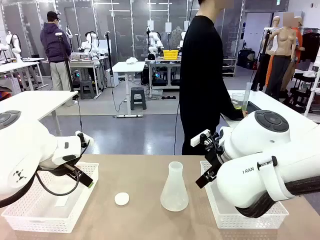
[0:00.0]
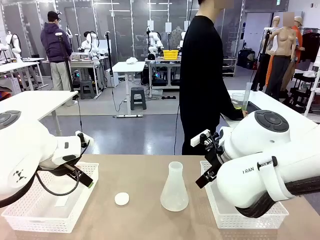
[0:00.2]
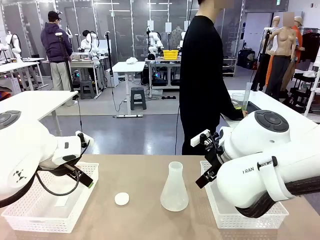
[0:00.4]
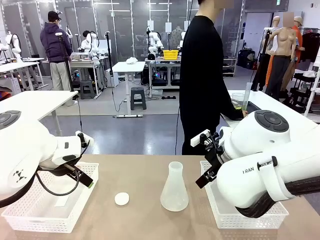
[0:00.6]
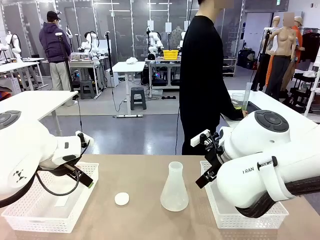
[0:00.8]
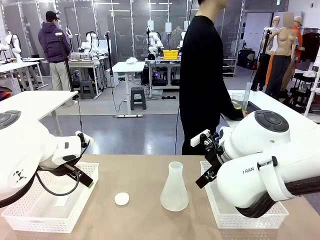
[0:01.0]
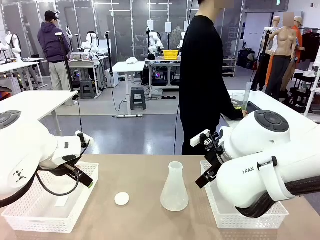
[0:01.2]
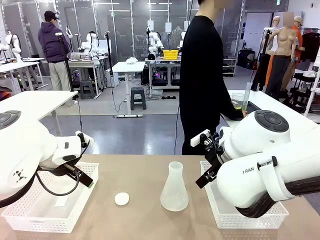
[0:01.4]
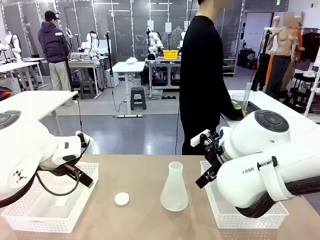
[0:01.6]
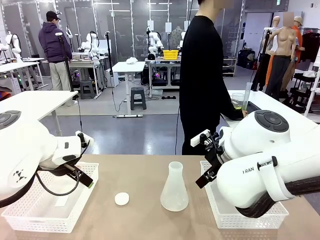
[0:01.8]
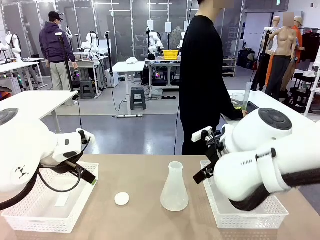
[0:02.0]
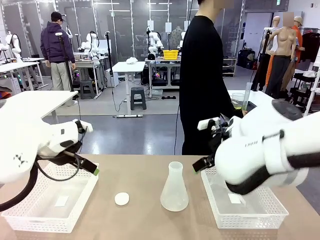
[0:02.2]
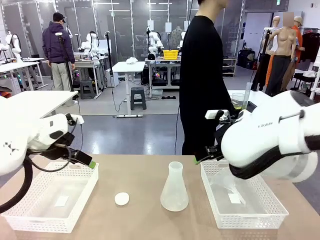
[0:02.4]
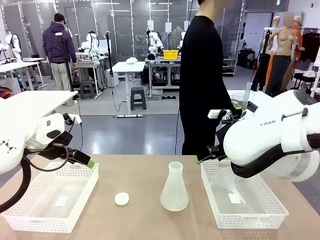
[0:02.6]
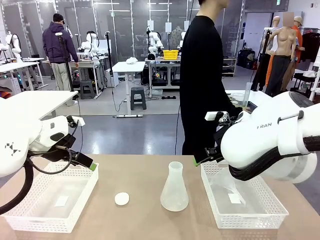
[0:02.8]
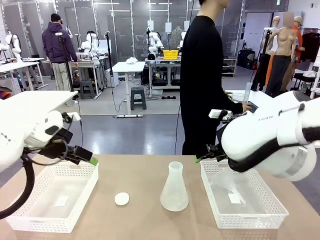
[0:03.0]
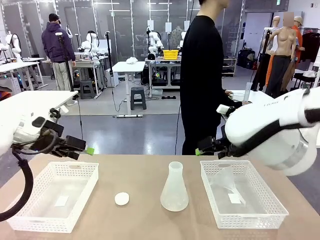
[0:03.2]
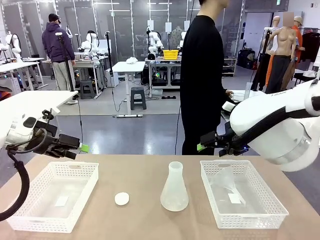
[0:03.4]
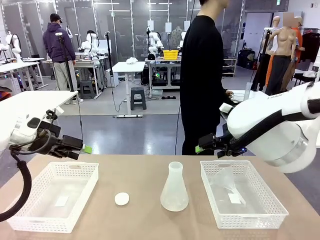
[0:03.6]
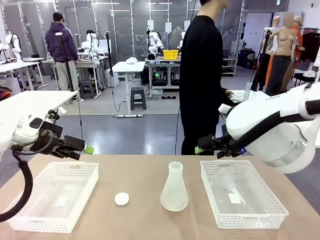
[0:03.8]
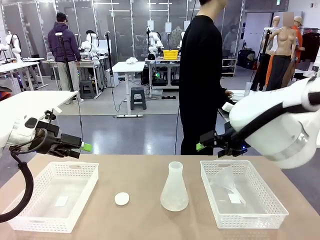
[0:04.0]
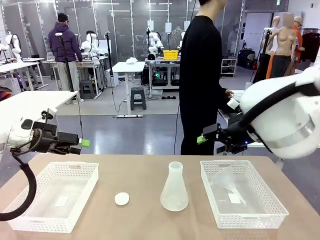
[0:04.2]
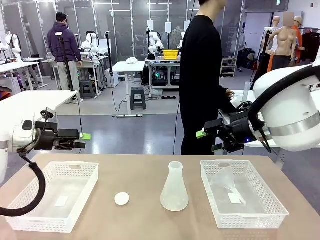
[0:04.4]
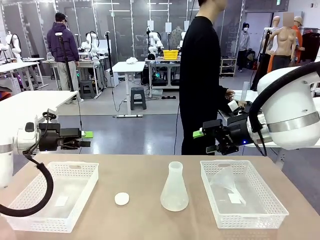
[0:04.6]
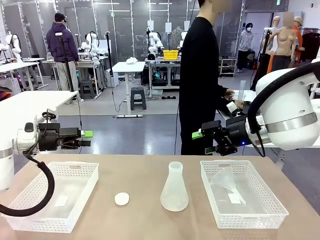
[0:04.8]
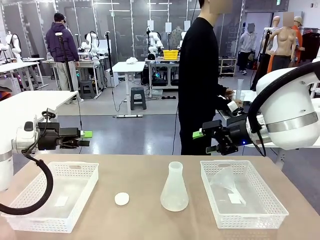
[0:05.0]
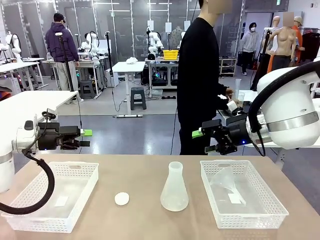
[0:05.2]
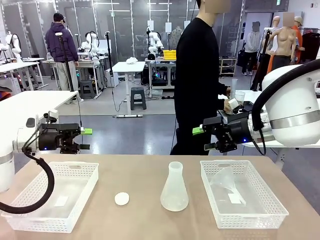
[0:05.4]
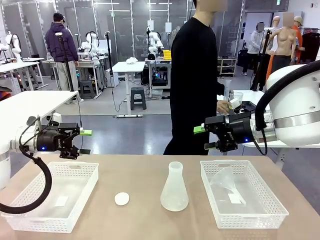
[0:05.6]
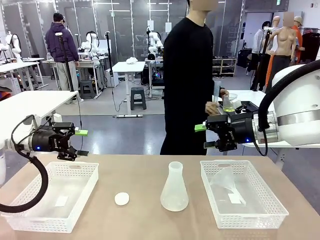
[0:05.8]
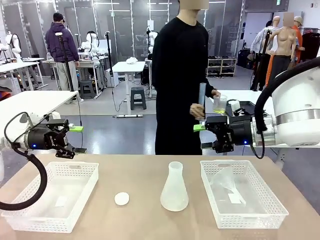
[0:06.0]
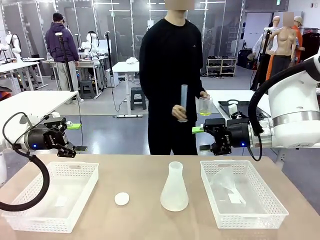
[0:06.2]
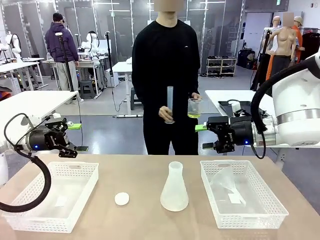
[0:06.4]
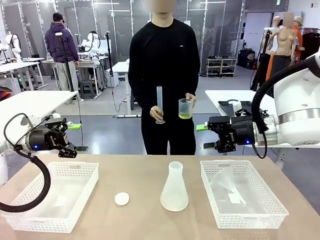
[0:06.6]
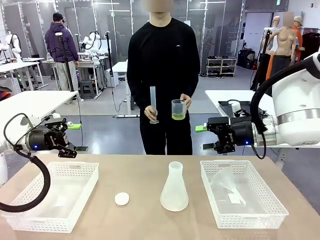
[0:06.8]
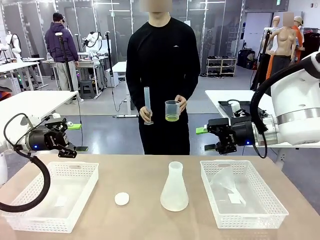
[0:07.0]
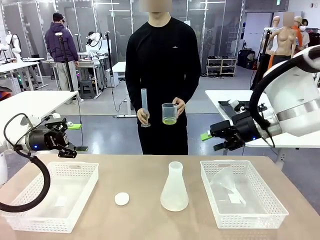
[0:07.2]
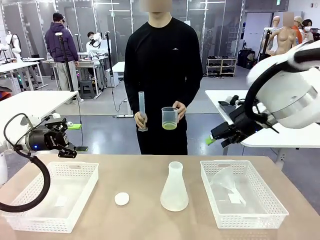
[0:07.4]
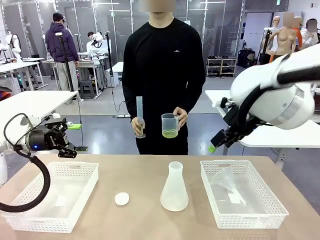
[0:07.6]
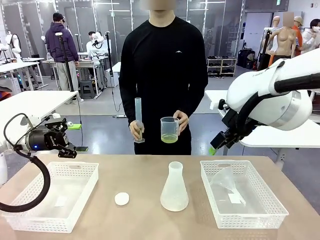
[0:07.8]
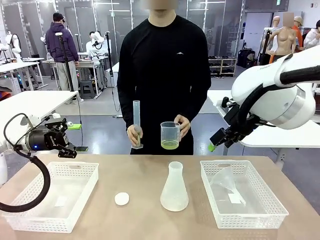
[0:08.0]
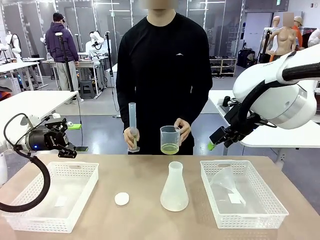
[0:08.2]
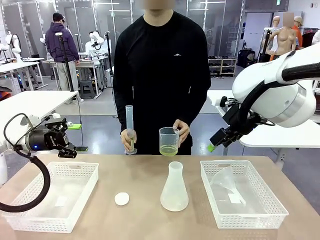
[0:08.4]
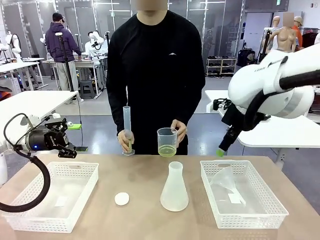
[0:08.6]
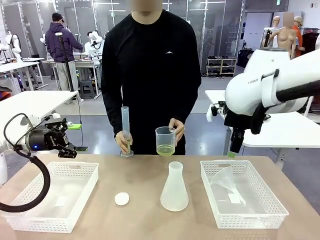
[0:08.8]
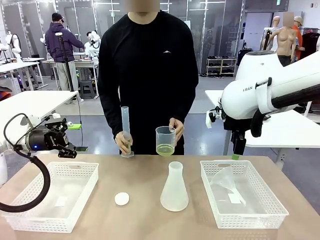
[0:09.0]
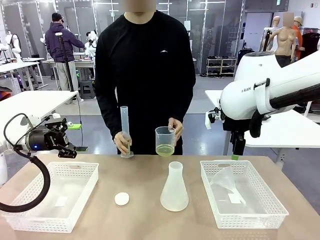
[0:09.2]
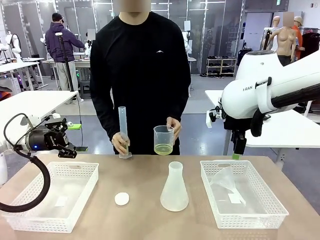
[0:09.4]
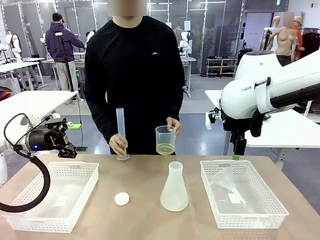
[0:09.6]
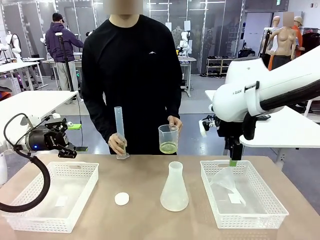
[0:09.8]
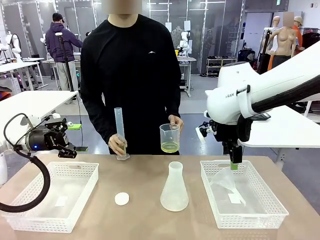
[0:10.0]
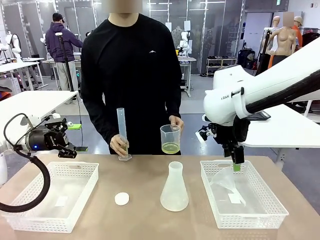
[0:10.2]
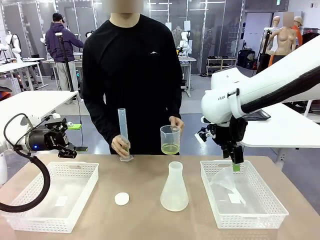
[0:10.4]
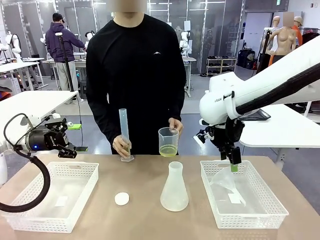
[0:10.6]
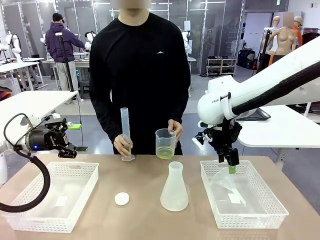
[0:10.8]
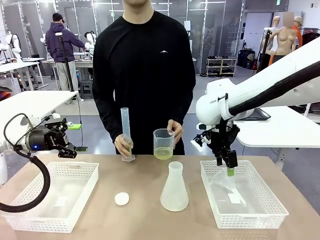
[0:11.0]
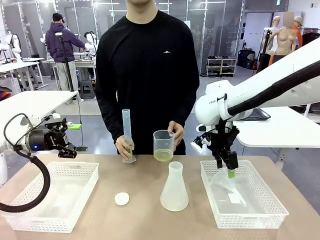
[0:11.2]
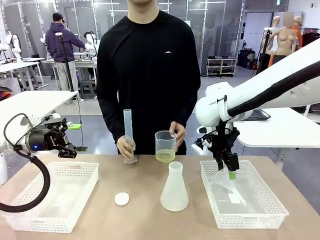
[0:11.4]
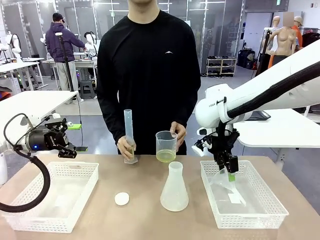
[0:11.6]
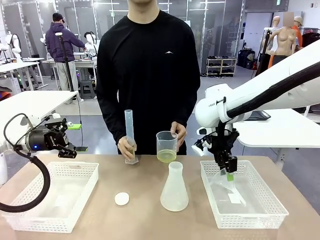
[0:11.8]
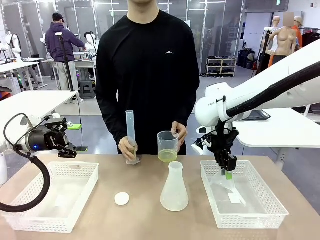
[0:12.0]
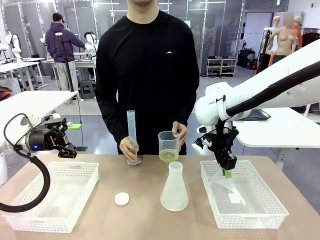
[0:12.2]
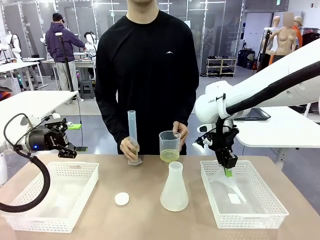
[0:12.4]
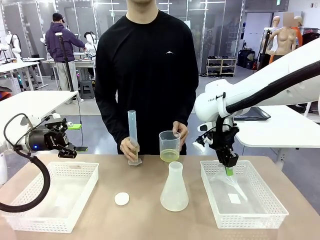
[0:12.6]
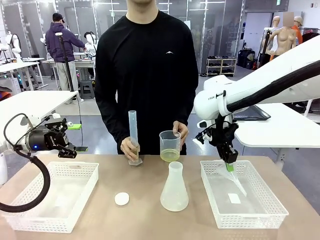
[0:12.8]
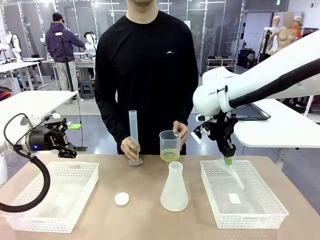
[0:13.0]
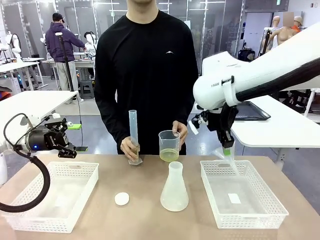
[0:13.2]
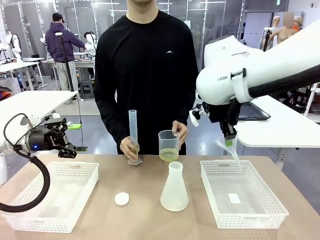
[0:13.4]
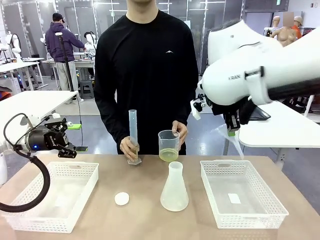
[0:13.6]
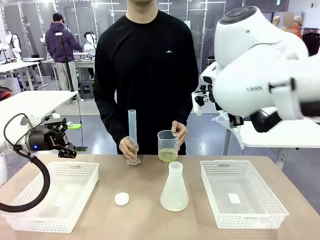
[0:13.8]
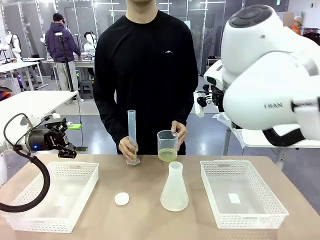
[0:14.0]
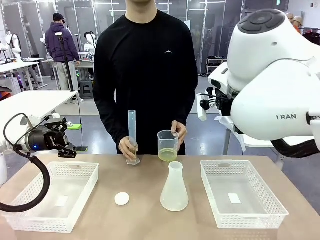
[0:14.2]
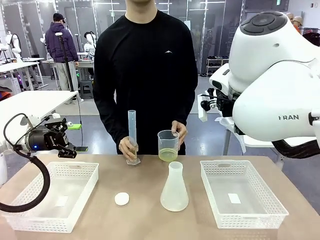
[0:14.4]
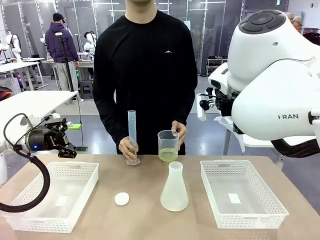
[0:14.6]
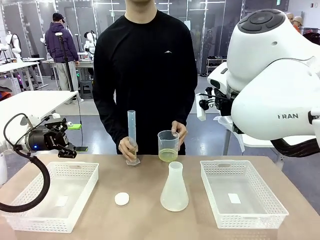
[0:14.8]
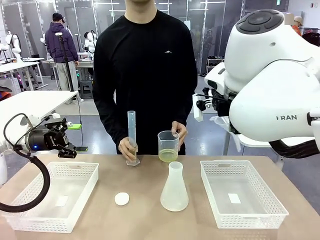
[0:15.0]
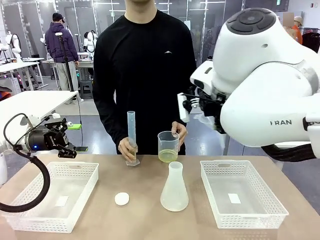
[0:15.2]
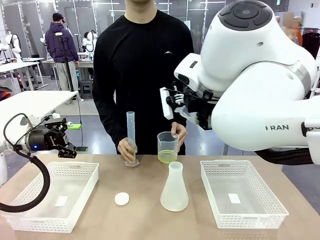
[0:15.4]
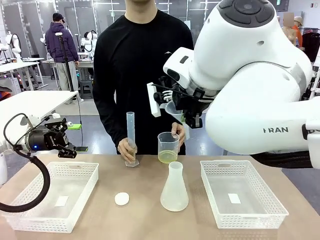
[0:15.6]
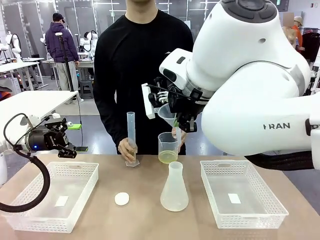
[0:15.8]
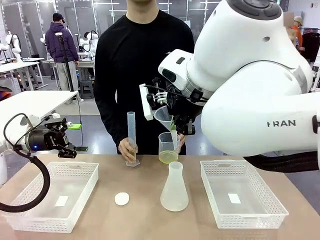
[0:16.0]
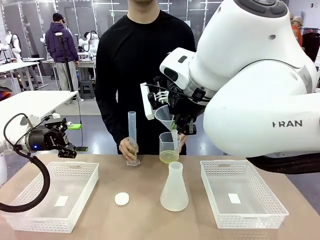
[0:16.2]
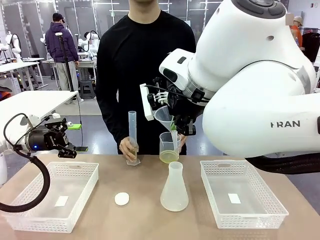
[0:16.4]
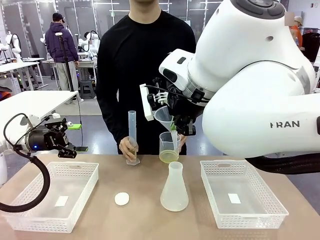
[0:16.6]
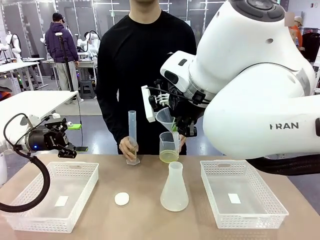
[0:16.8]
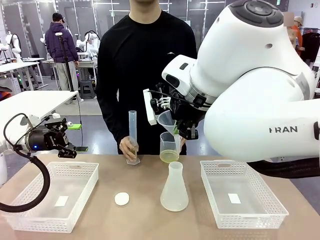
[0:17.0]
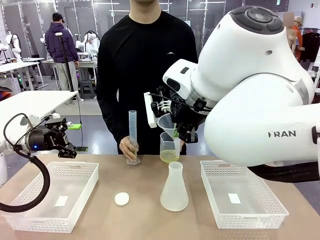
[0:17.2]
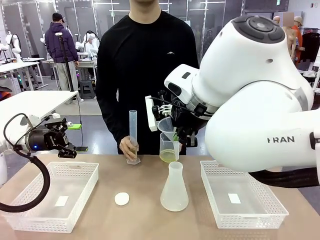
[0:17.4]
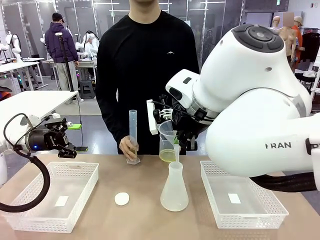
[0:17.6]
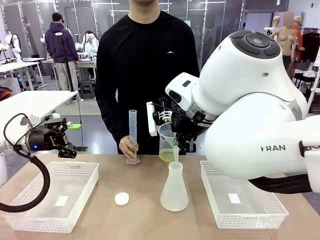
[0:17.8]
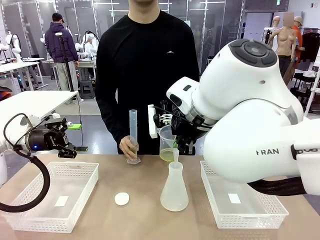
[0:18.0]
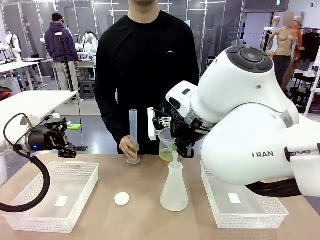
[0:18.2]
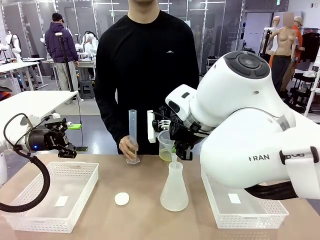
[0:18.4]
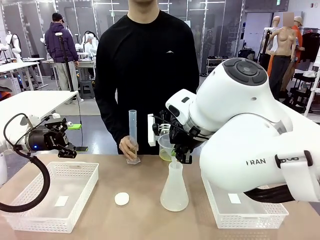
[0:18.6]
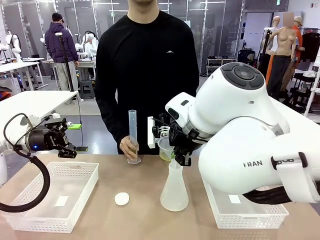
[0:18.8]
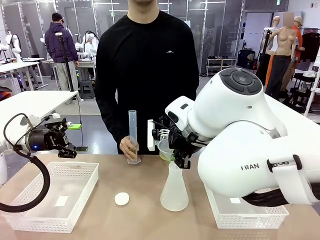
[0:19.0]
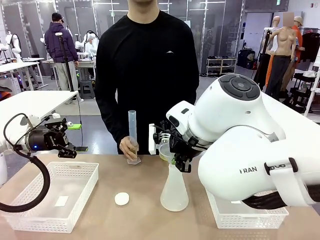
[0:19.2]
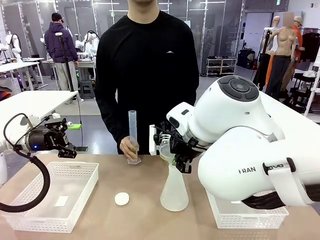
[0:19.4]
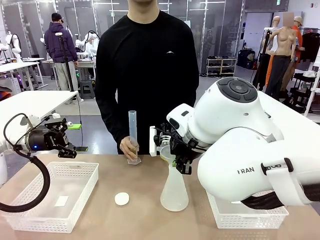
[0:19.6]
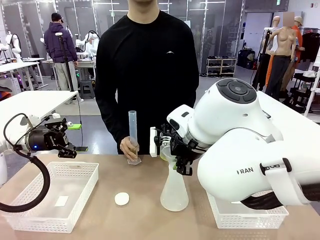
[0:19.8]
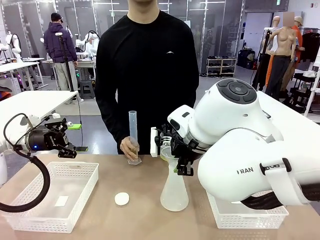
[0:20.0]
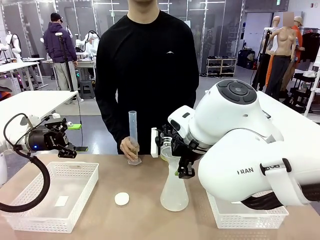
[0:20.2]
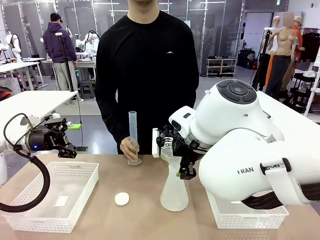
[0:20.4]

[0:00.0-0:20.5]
Task: Prepare the solutions needed for the experiment.
Robot: Pick up the Plastic Funnel and insert it into the Big flask.
Person: Pick up the beaker and the cylinder and move to the middle of the robot table. Pour the solution from the beaker and the cylinder into the flask.
